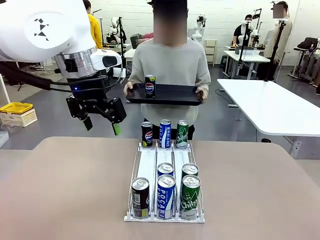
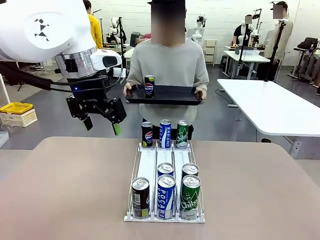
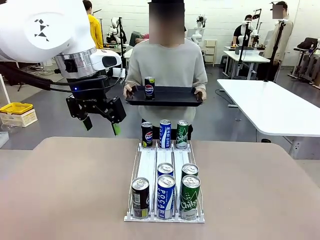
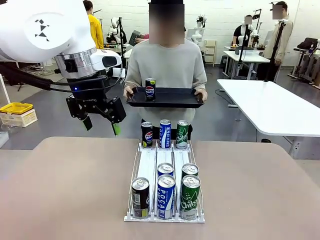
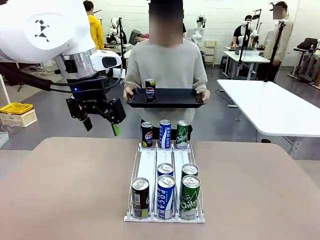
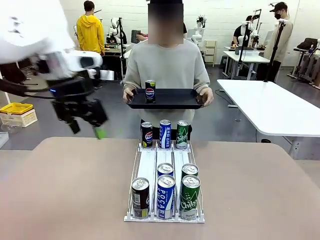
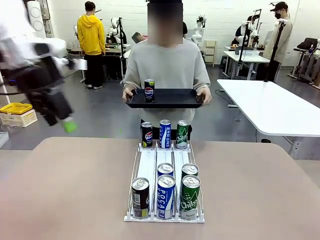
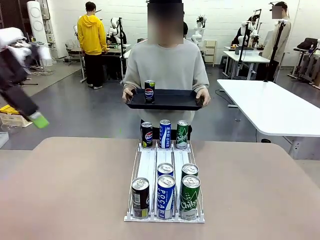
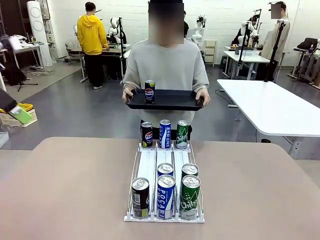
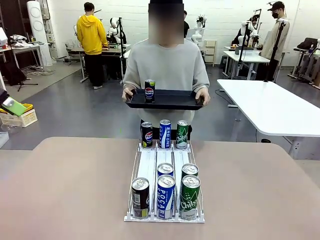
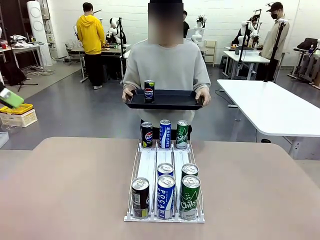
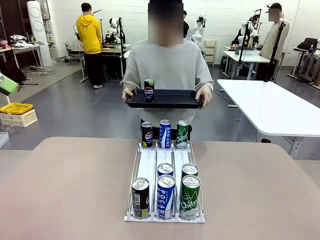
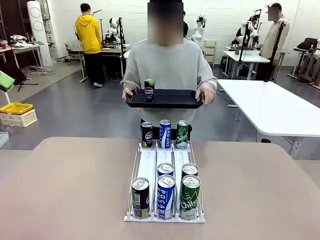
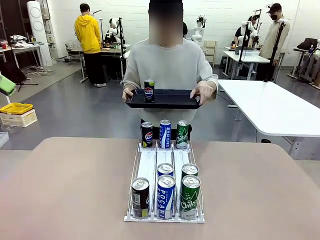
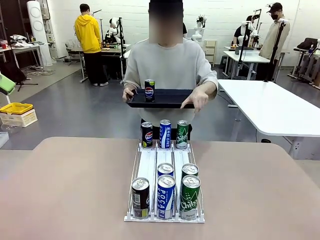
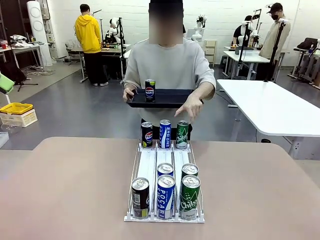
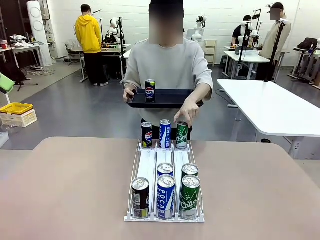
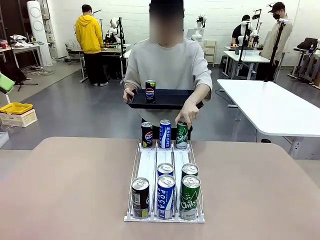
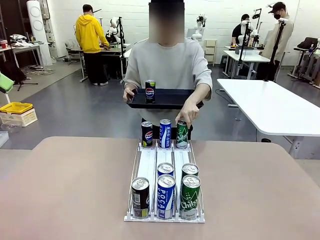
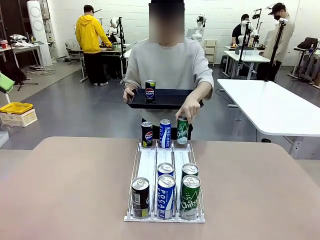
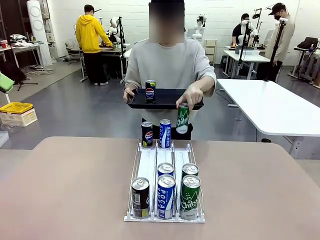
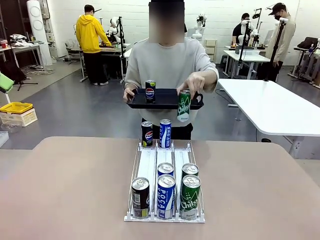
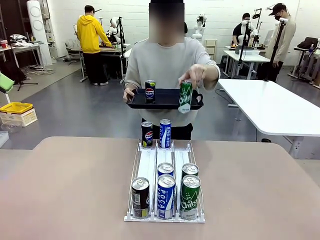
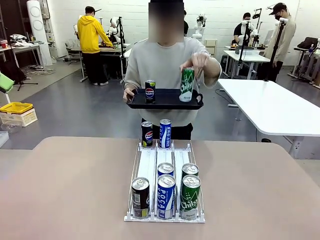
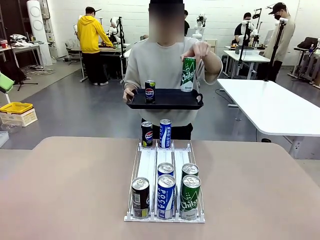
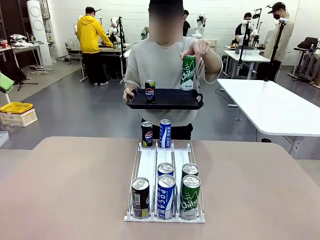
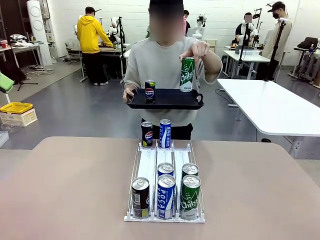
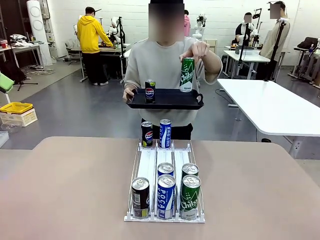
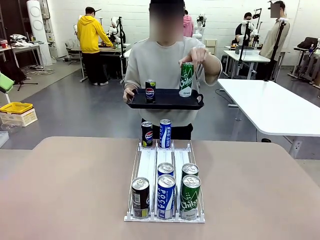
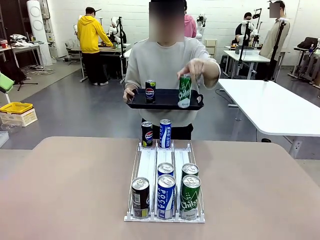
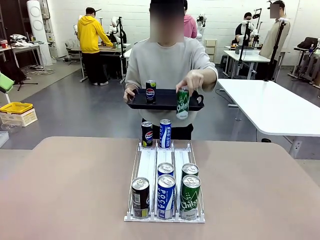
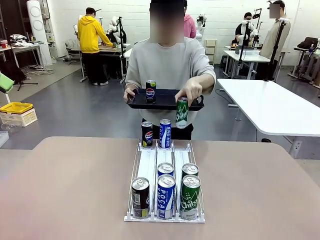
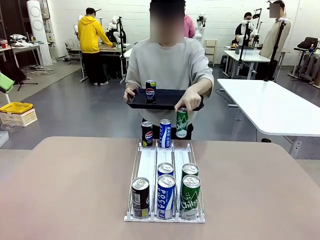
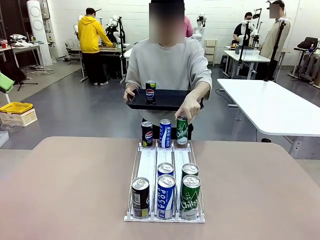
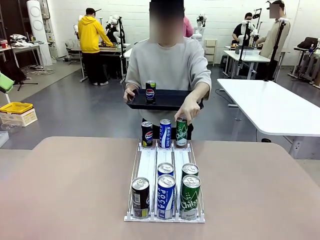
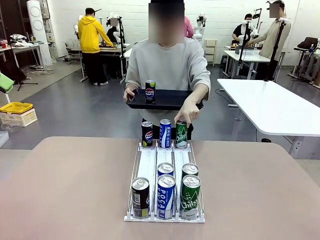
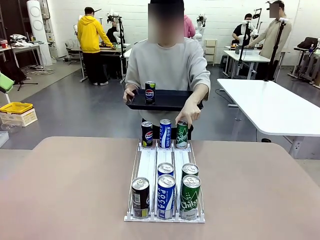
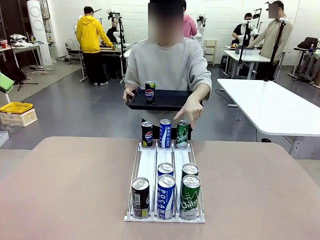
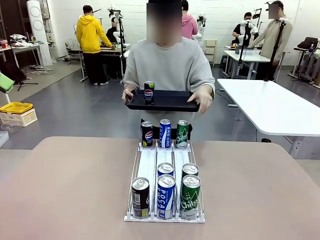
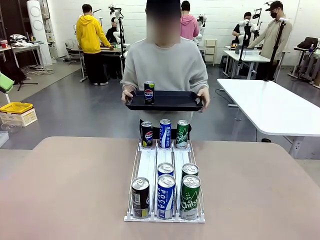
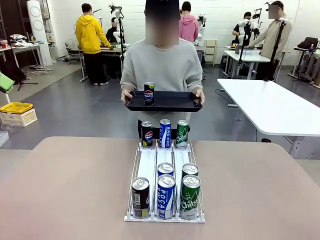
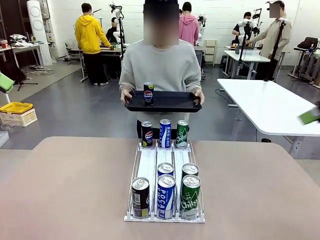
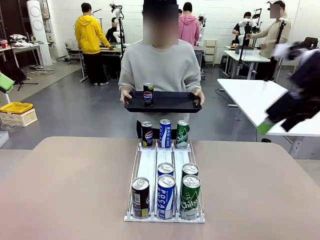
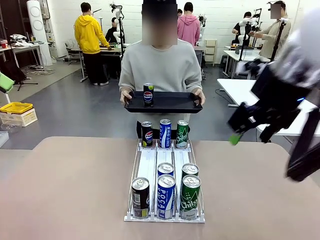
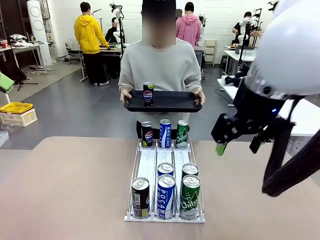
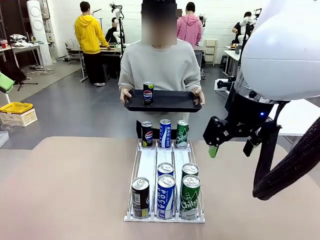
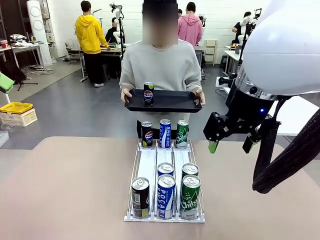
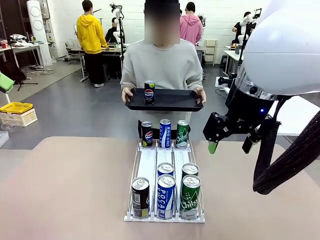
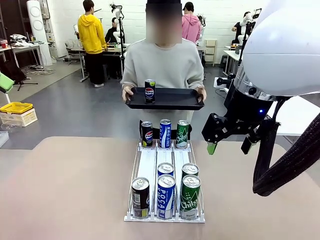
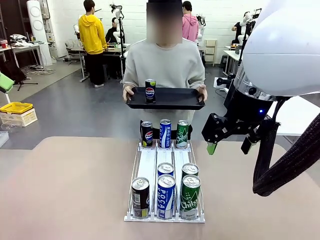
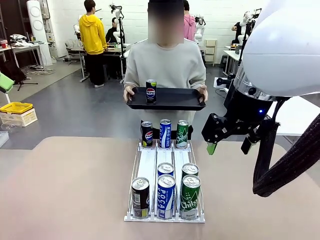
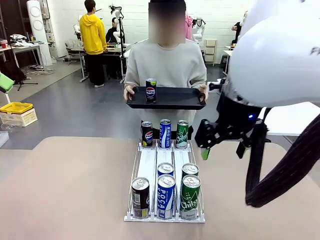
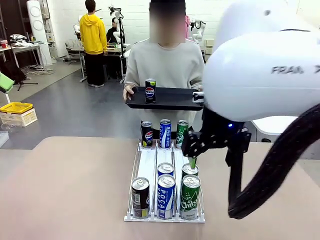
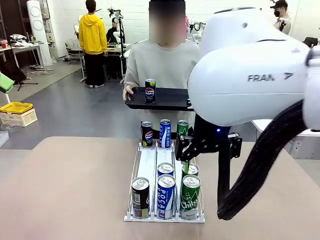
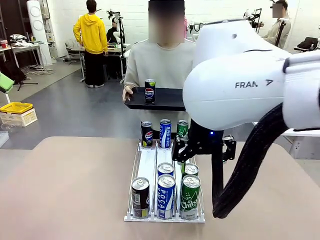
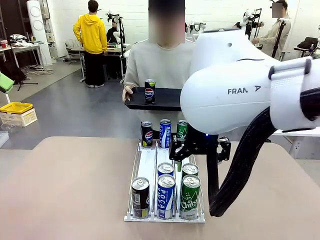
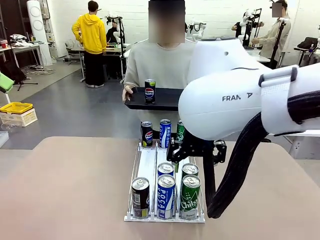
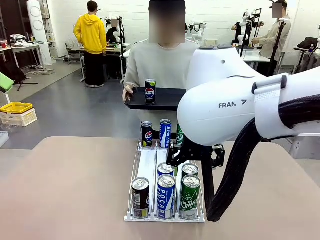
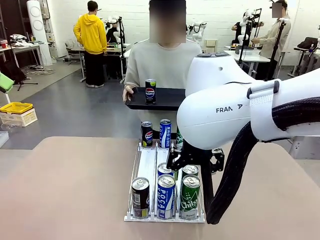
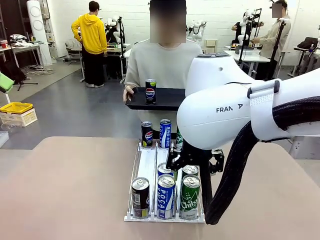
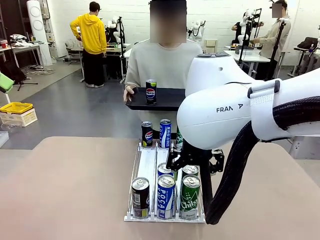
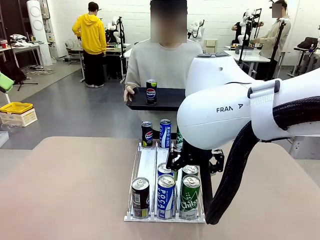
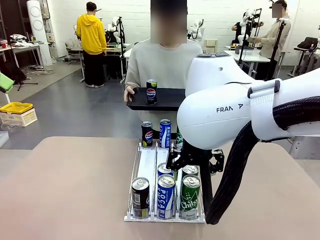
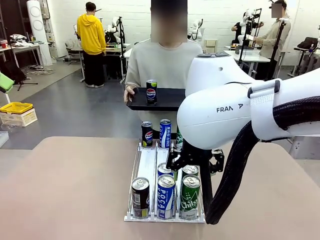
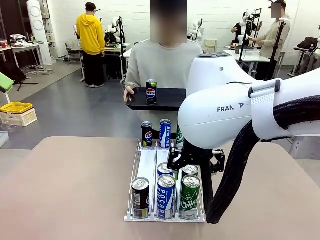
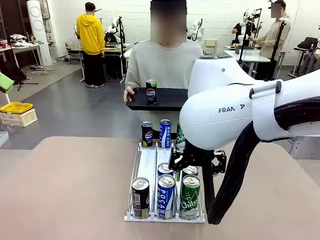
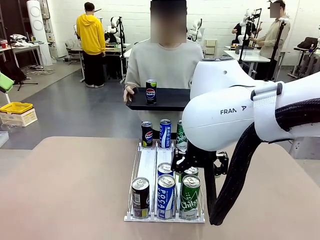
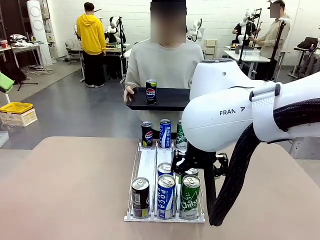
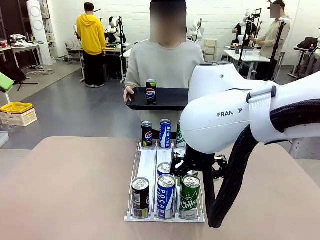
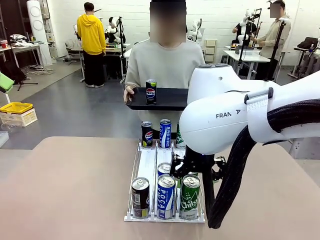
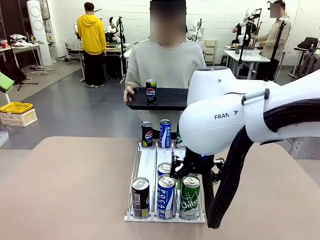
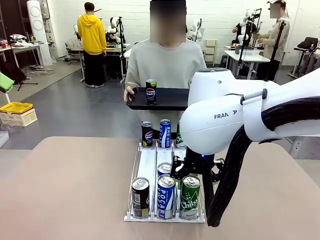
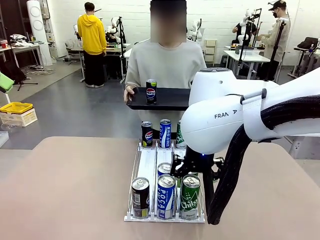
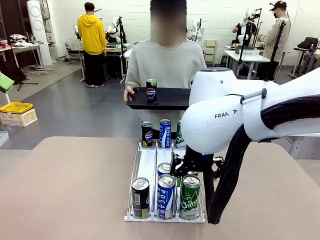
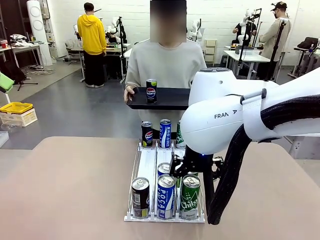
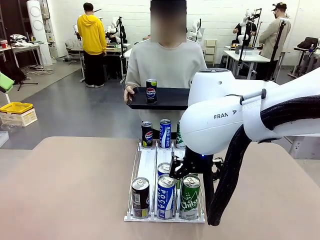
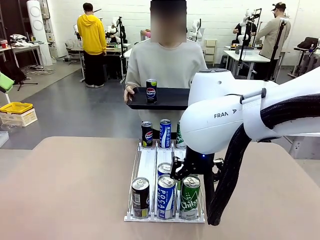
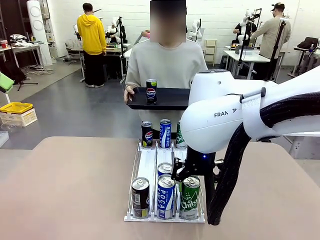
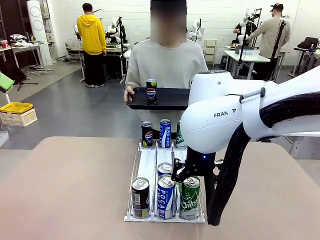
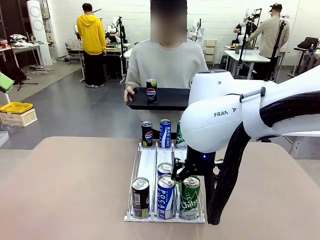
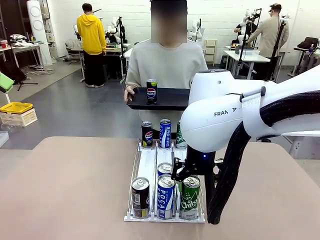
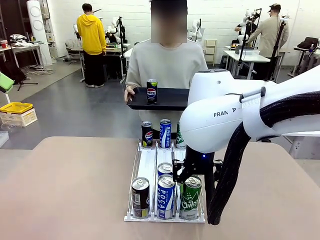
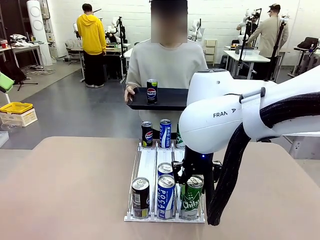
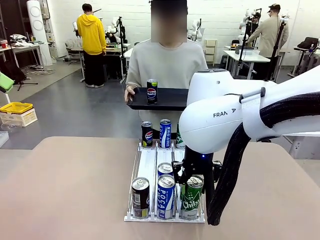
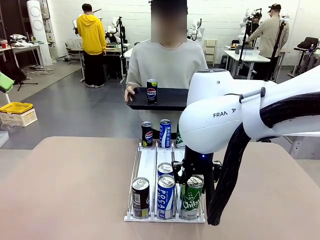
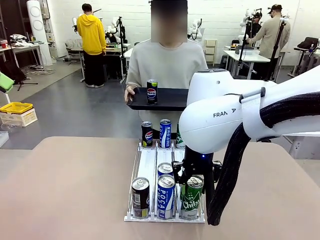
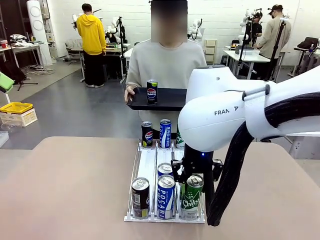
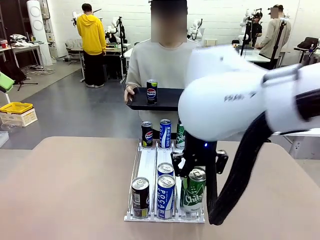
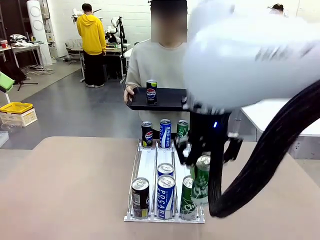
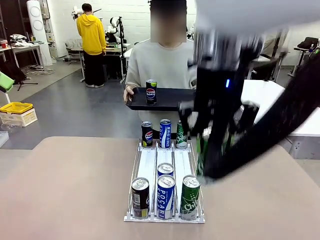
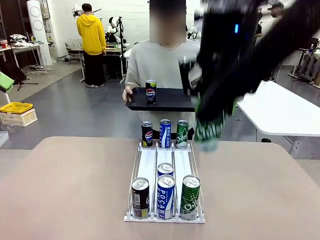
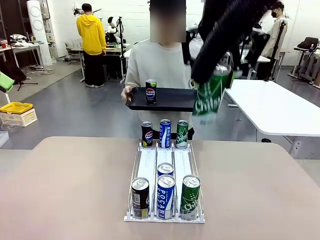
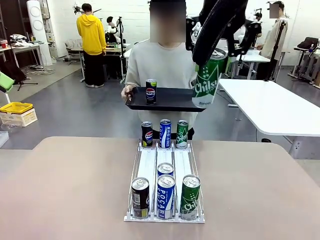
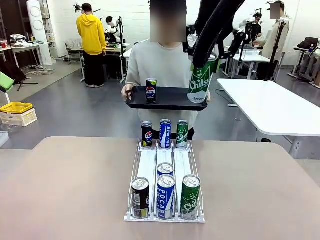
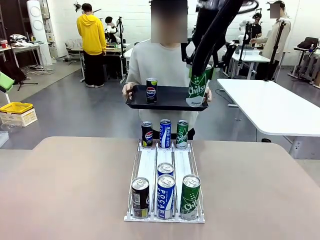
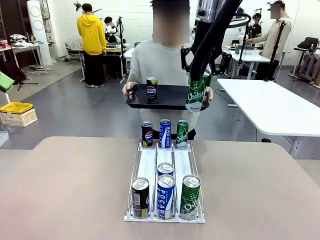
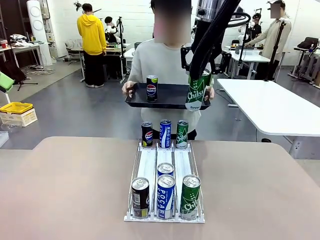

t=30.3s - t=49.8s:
Task: Retrieve and hand over the desired beverage to the person.
Robot: Pick up another can of the same type that the person held from the Automatic Can Dispenser.
Person: Pull the tray back, then pick up another can from the bottom area of the table and puts it back in its original place. Push the tray toward the robot again.
